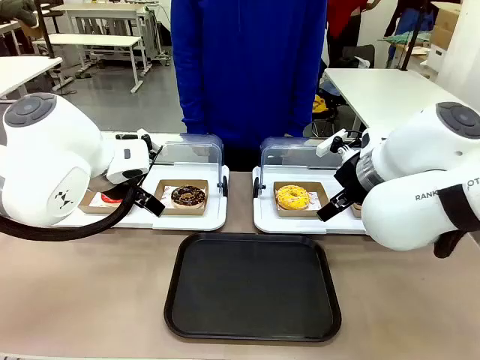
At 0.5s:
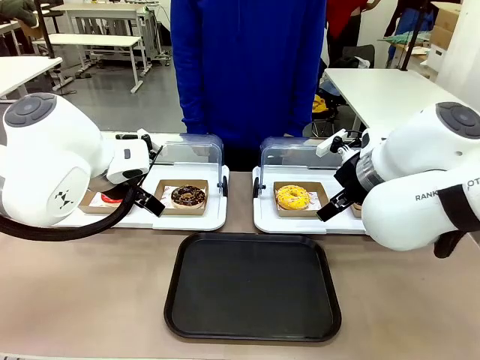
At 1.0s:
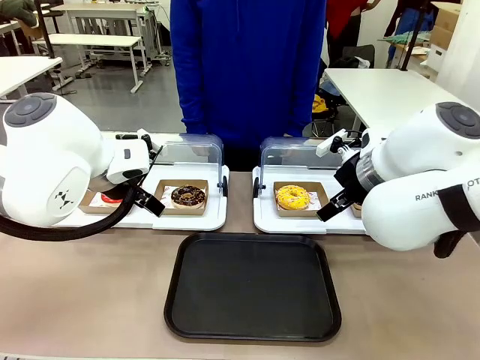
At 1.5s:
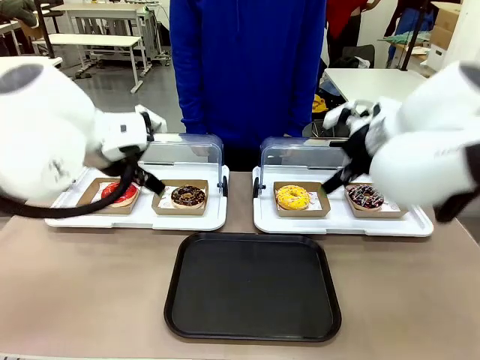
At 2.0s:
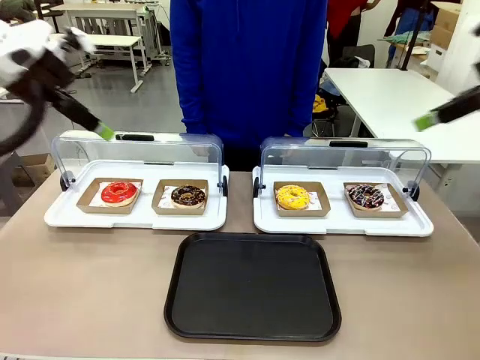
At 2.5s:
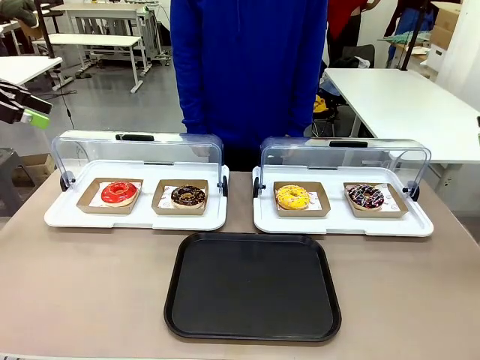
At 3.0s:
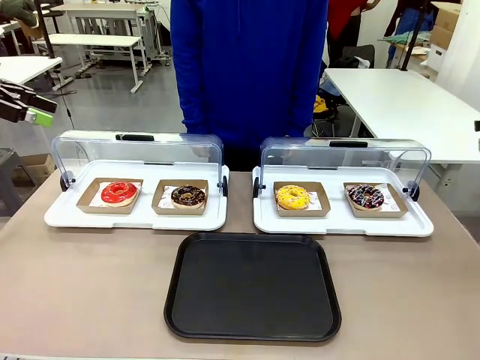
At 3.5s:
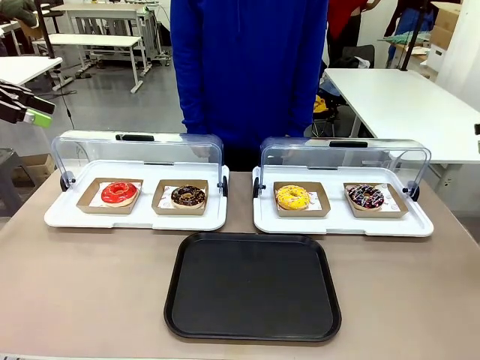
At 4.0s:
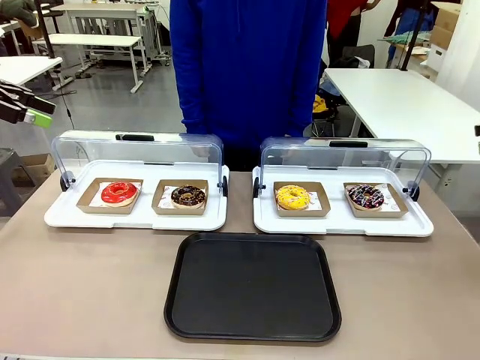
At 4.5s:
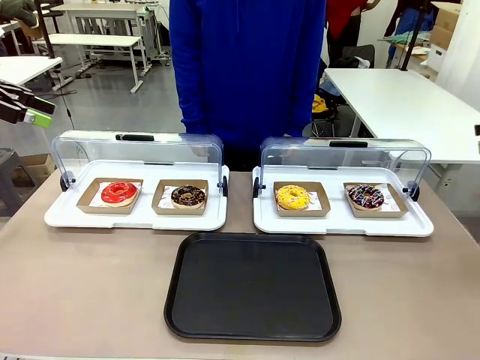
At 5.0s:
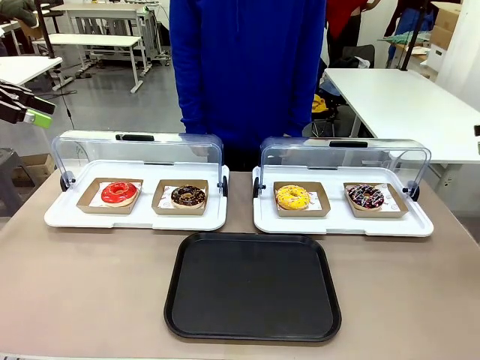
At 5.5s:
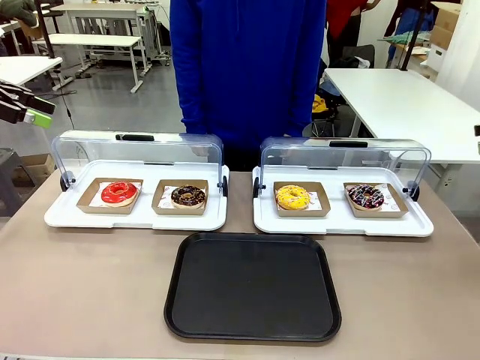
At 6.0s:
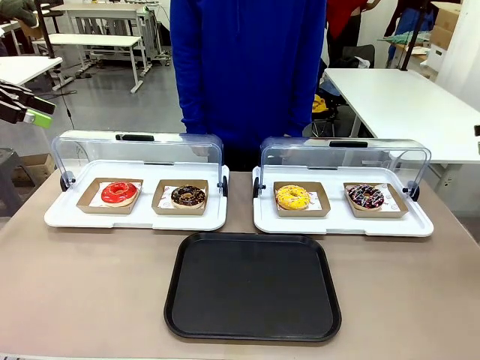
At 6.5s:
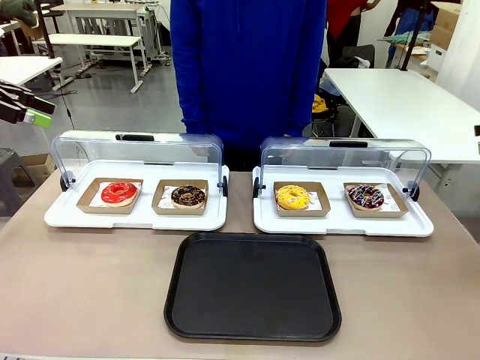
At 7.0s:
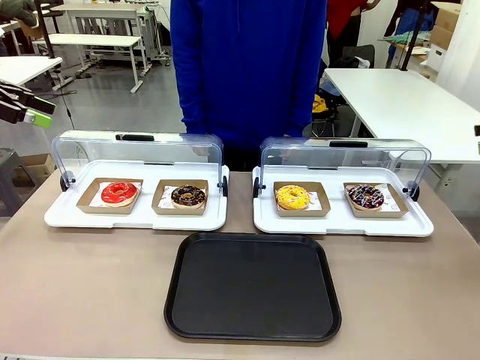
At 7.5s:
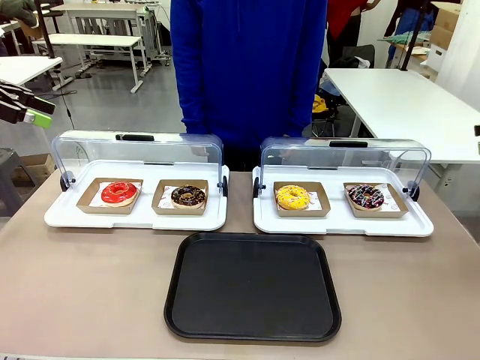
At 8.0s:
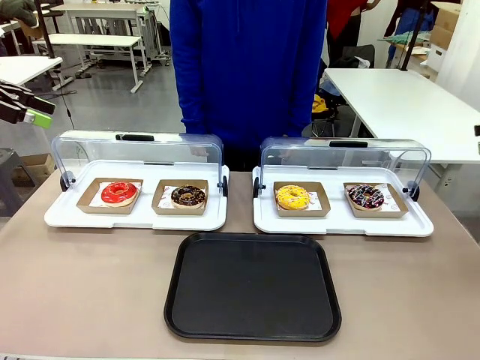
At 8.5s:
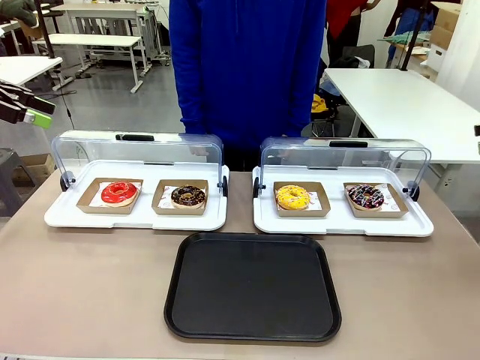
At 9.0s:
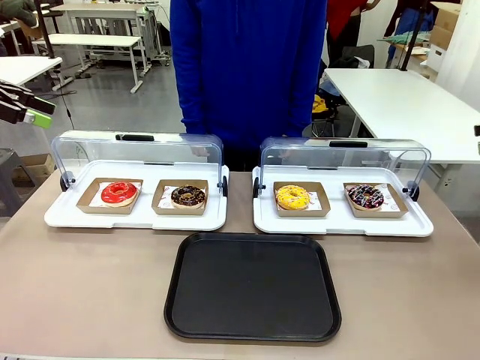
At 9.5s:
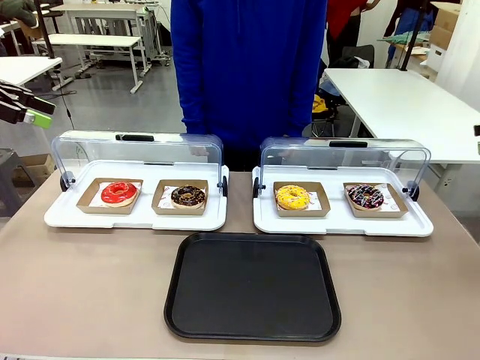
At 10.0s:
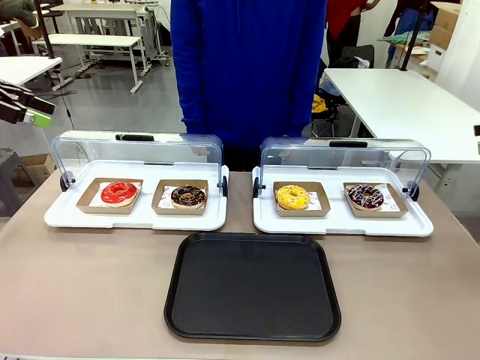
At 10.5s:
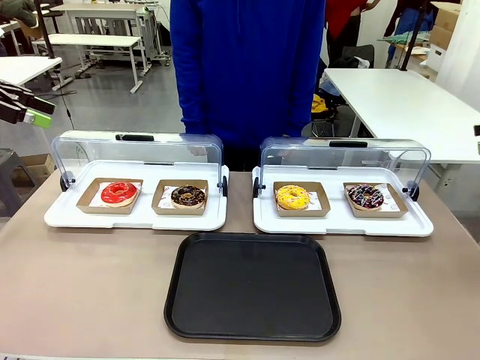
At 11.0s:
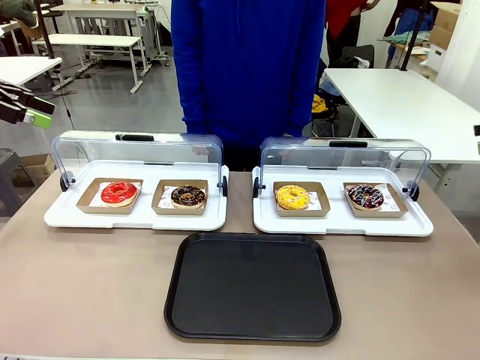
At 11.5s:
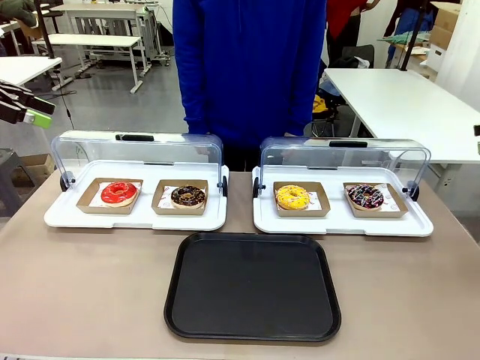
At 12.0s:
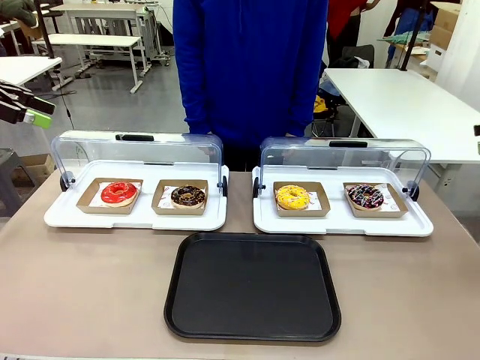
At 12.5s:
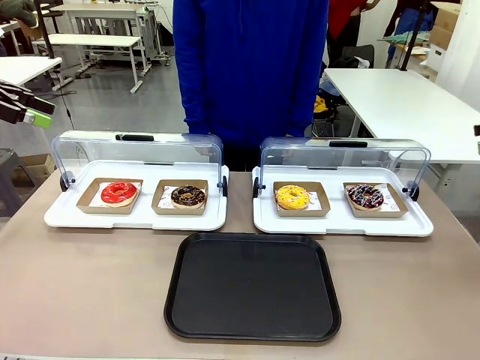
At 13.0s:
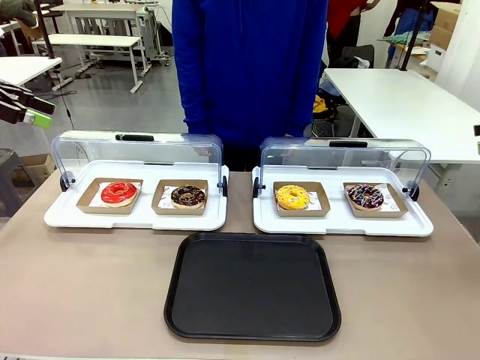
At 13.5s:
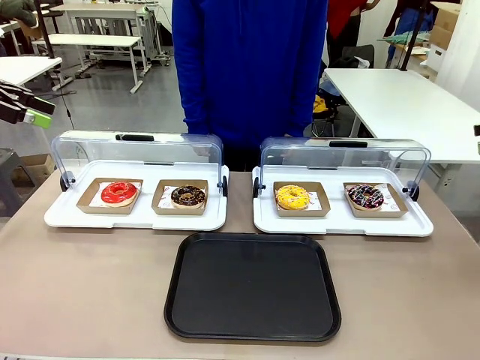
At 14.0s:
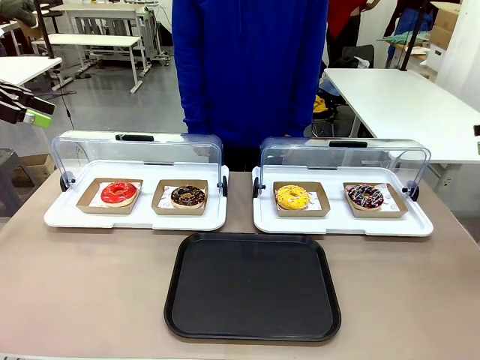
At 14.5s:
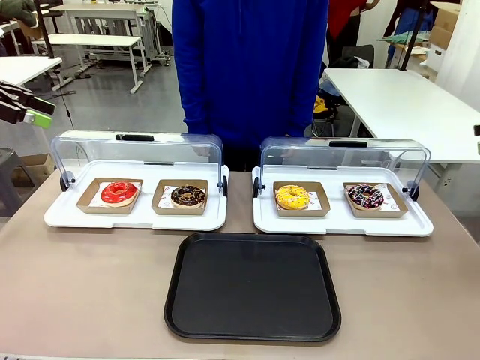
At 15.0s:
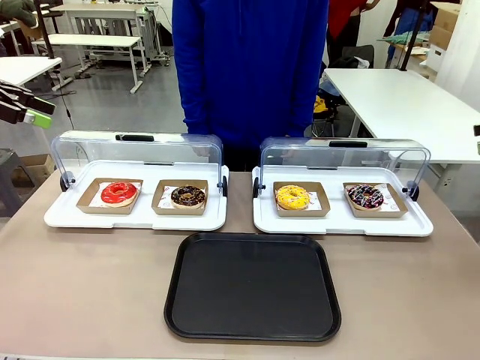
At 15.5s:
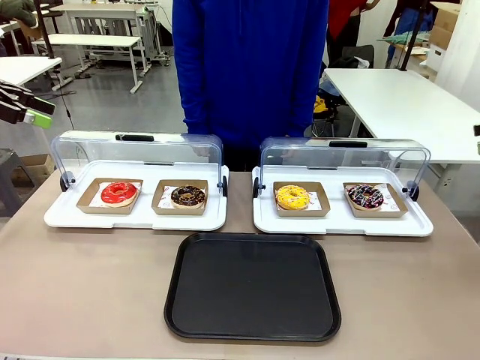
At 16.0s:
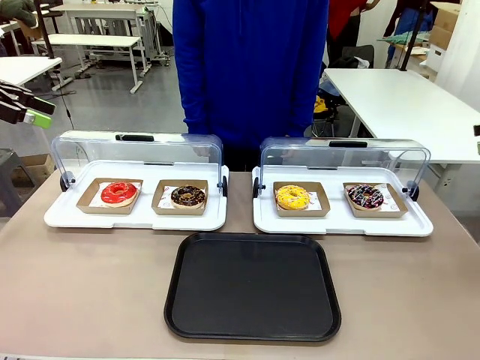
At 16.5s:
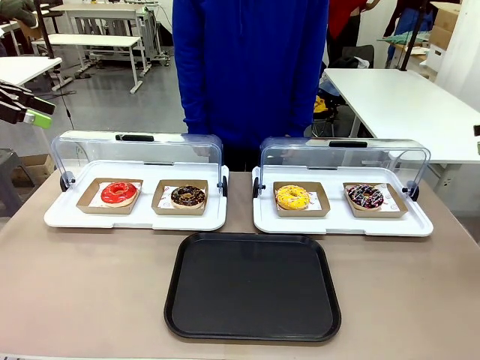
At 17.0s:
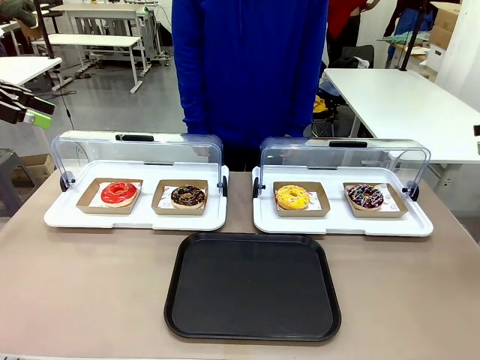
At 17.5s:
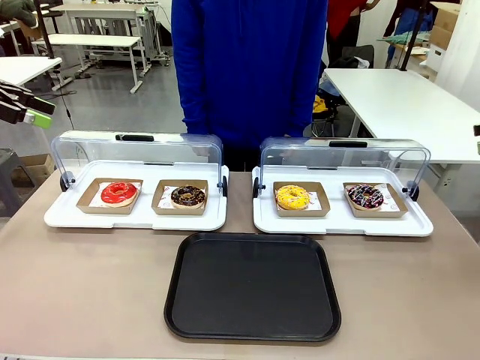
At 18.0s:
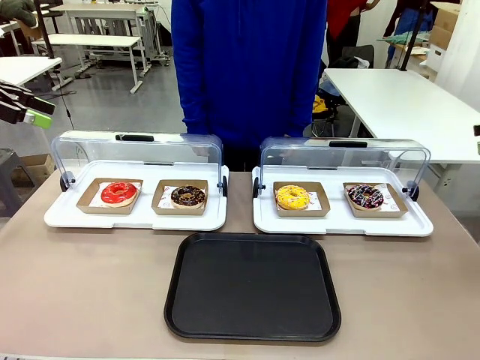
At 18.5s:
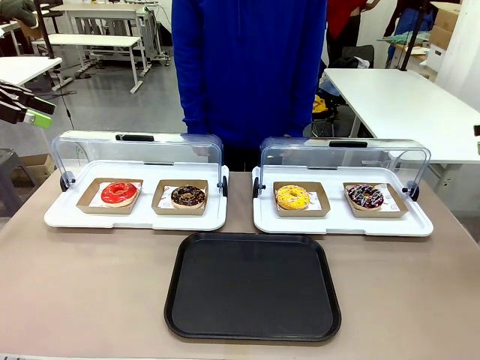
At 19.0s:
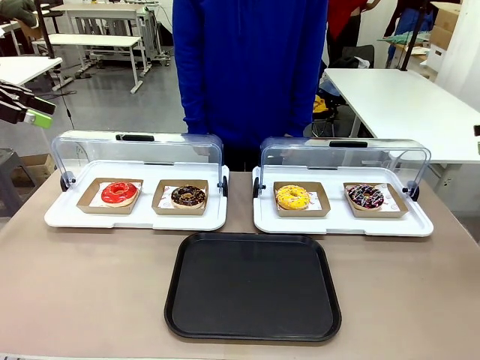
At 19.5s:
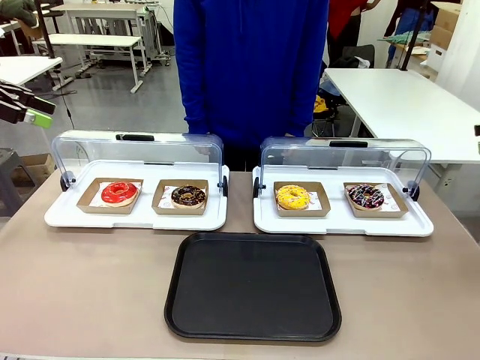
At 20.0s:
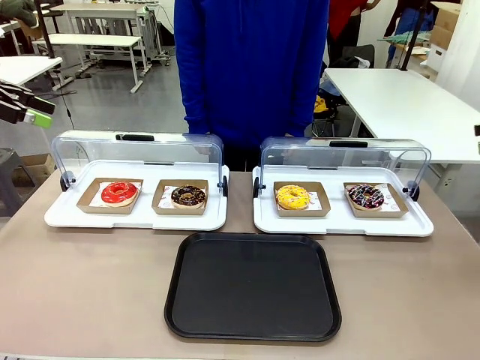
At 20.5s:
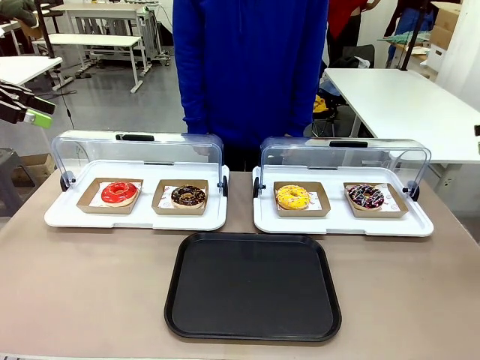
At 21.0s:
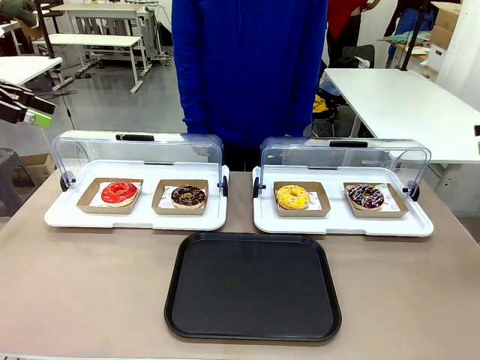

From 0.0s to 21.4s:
Task: Move the first donut from the left to the tray.
Robot: Pick up the Paper togo box containing the Donut indicated by the person and place it on the Handle tray.
